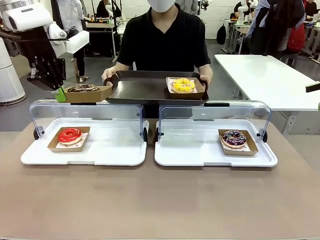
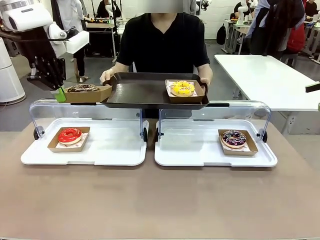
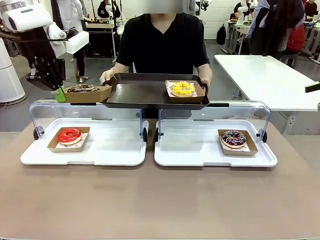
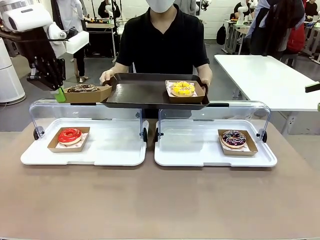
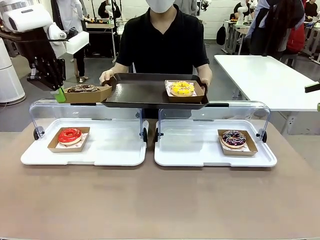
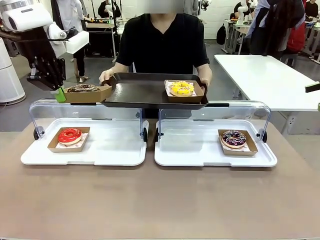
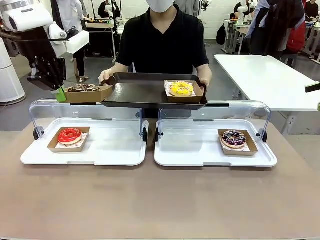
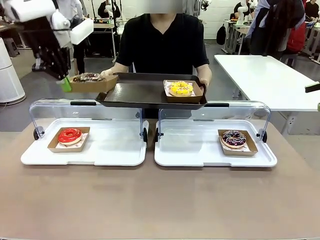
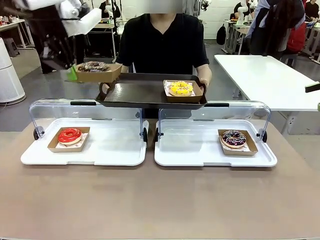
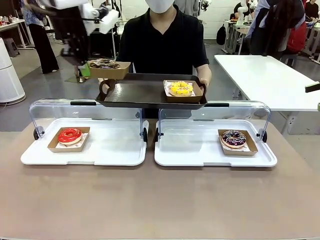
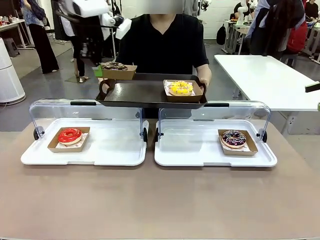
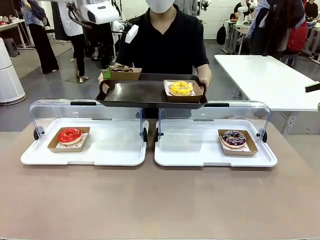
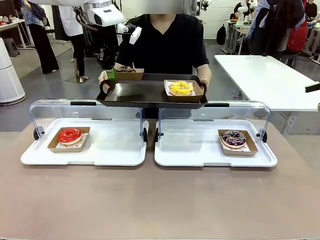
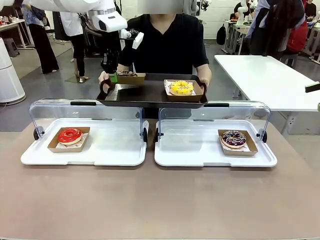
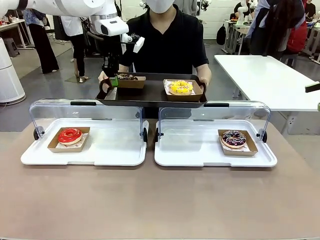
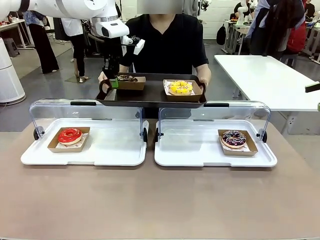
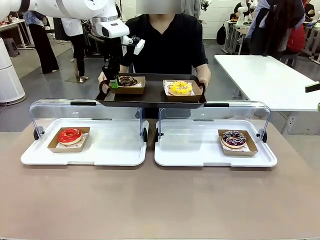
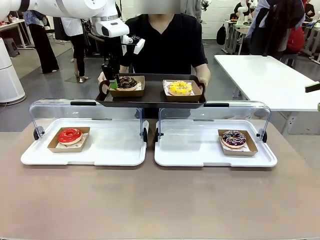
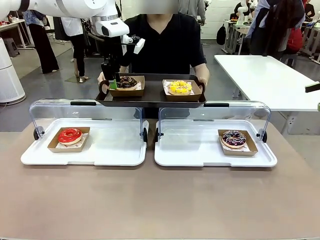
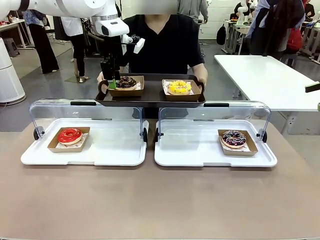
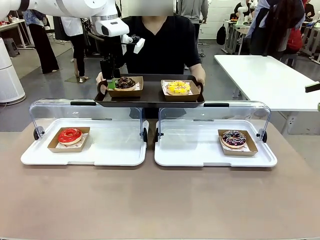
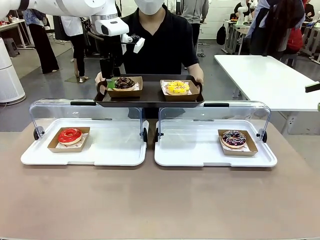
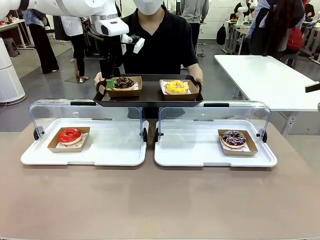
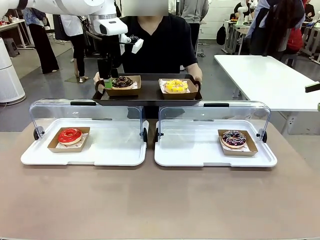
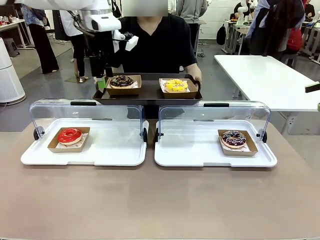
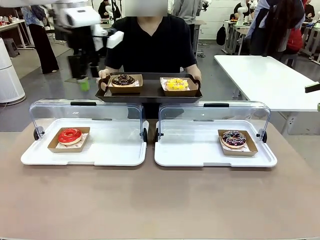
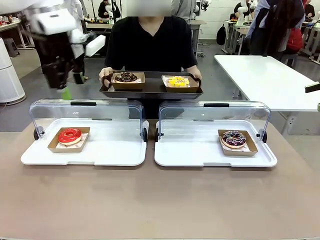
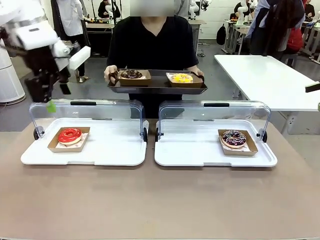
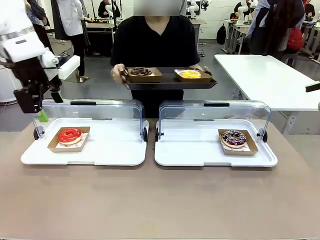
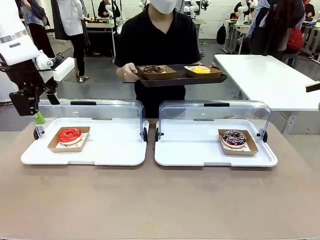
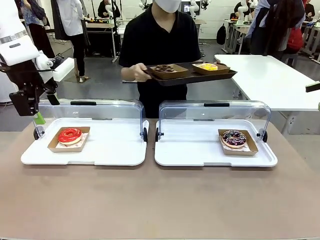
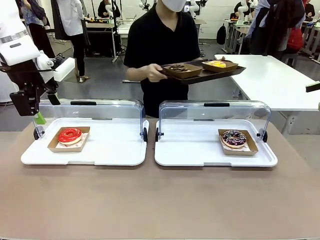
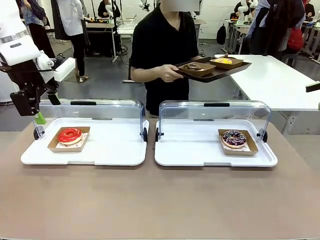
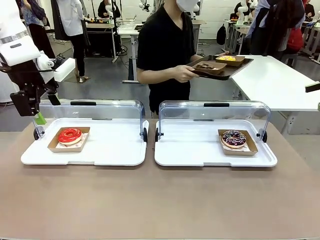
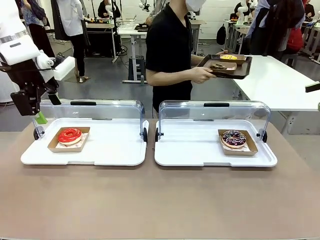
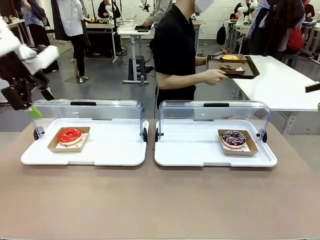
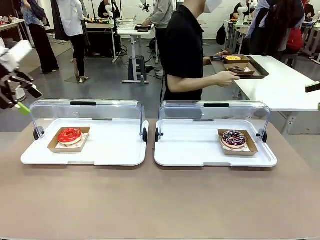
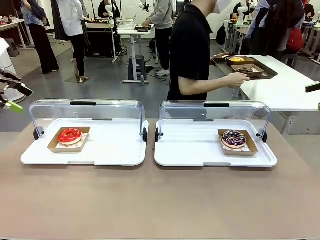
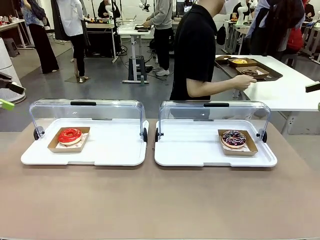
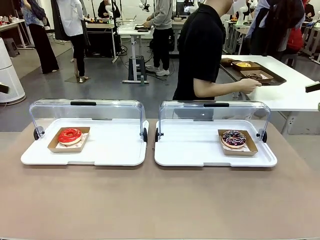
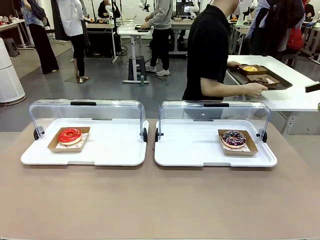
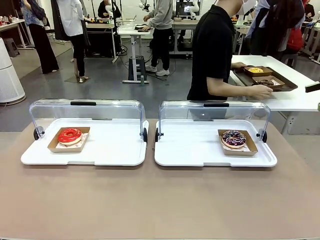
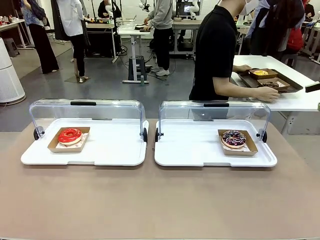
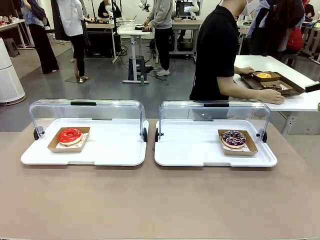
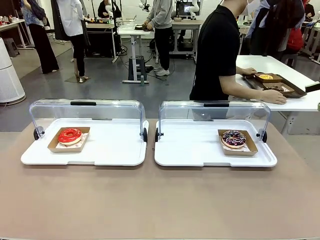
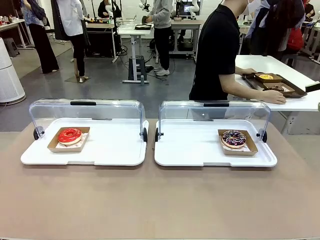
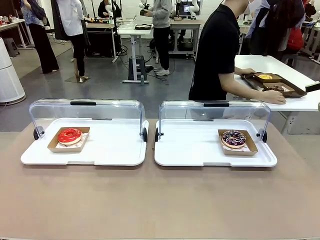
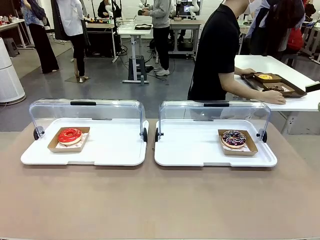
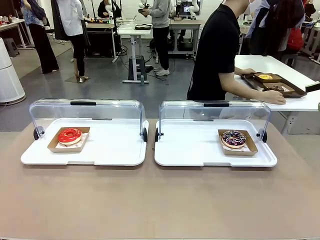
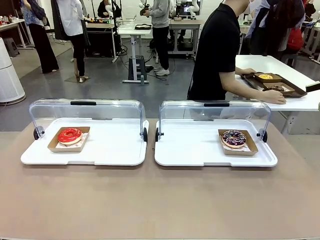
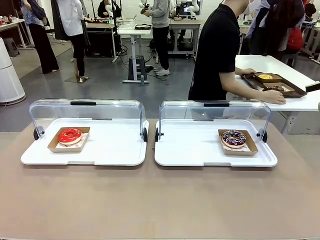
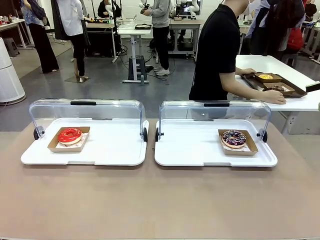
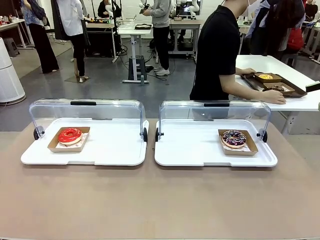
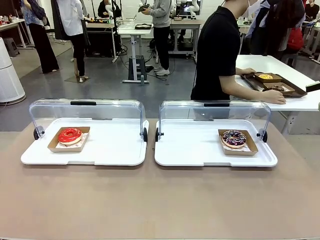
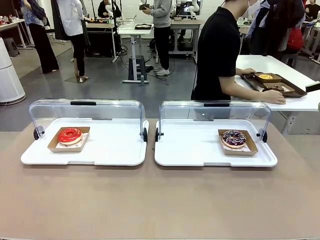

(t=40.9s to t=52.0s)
Task: Provide the desired donut to the person.
Robot: Place the picked Paper togo box onto the Handle tray extended by the person.
Person: Place the tray in the middle of the human table.

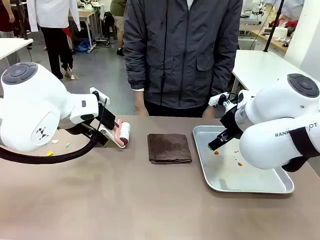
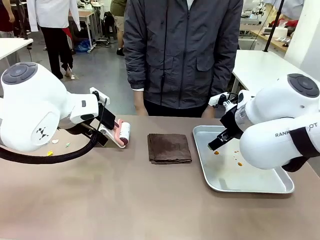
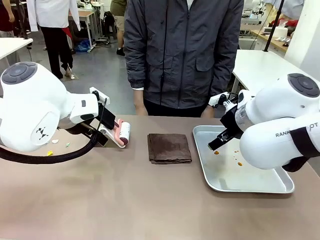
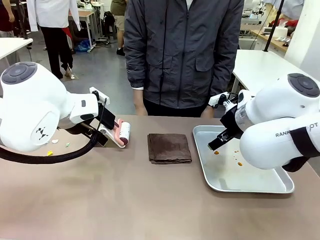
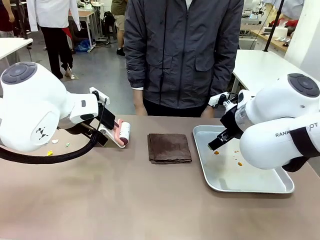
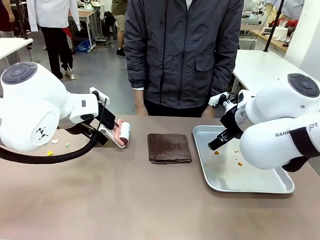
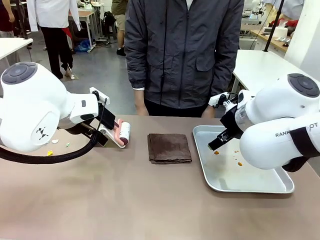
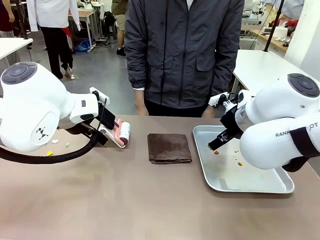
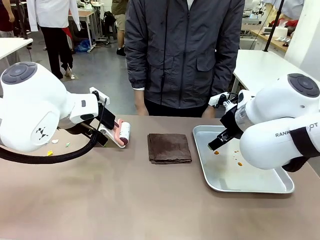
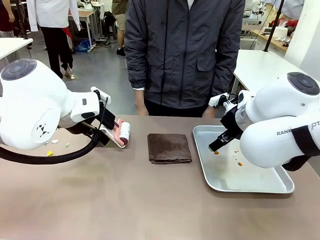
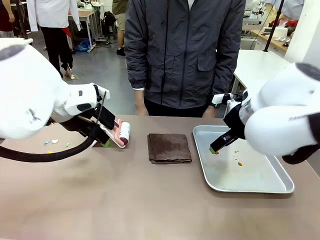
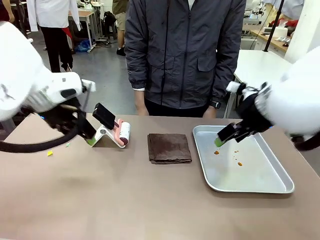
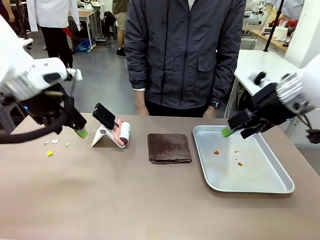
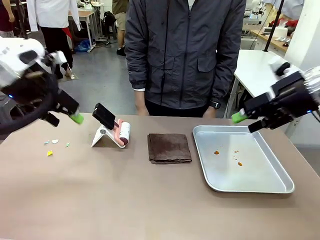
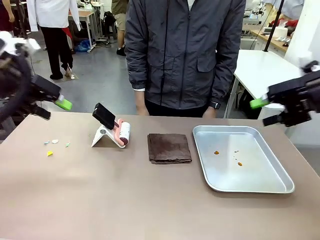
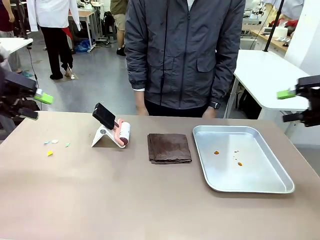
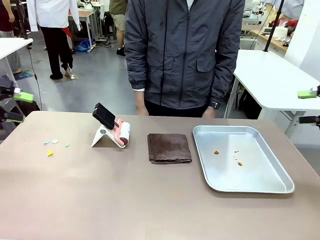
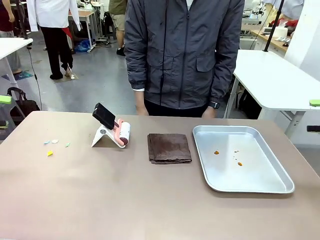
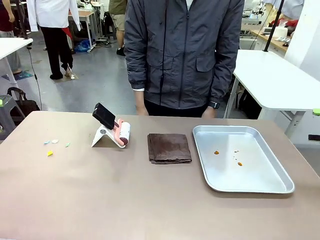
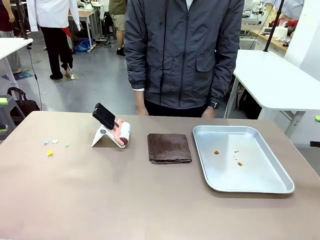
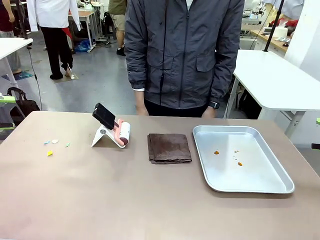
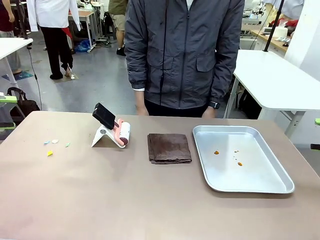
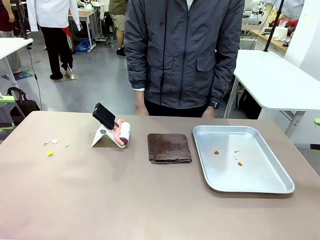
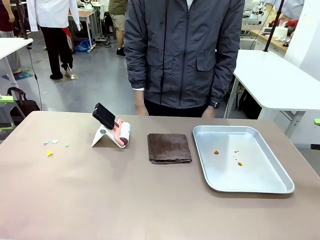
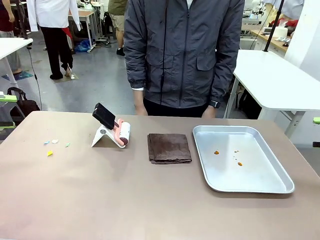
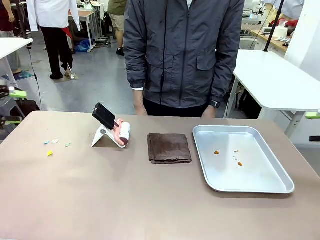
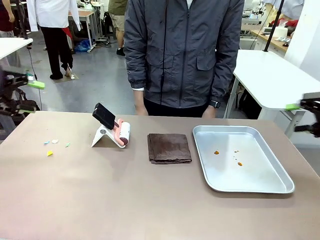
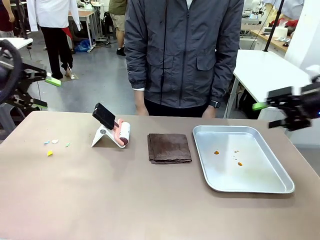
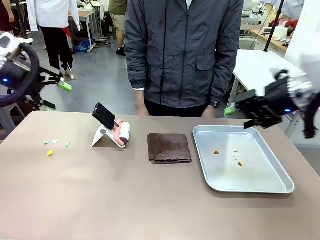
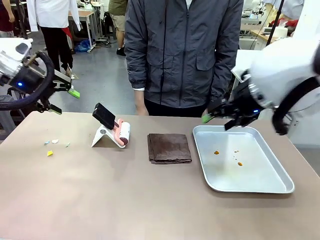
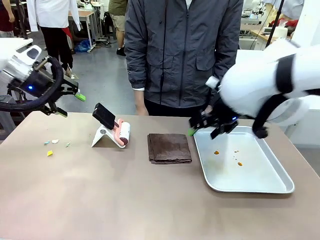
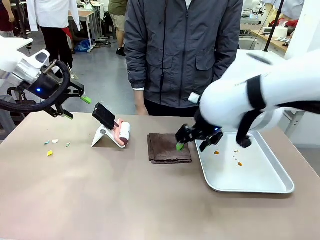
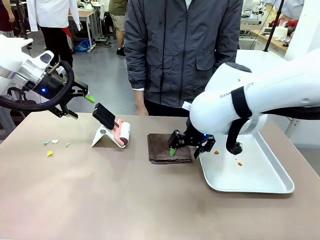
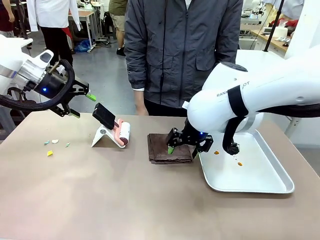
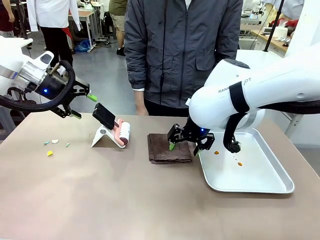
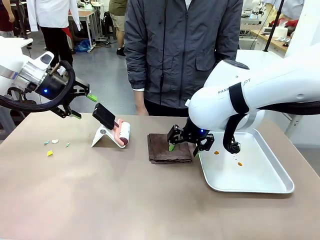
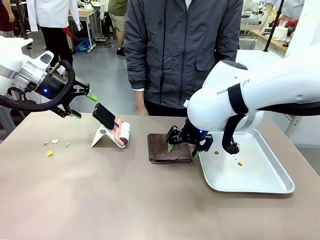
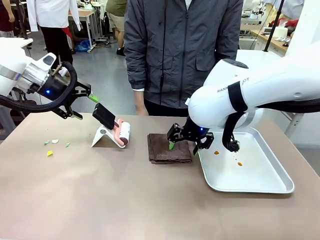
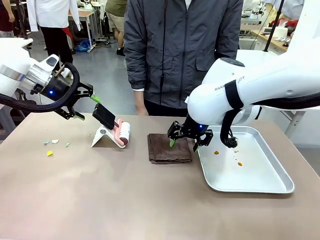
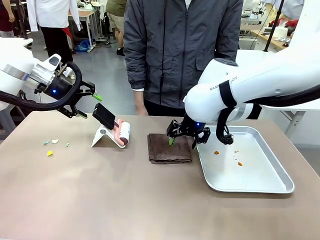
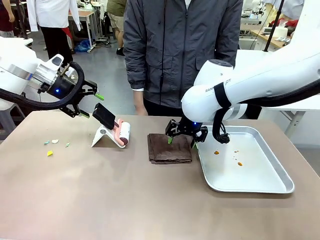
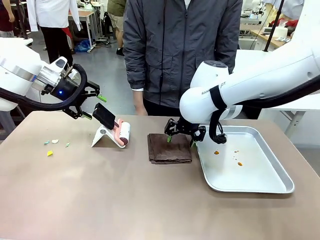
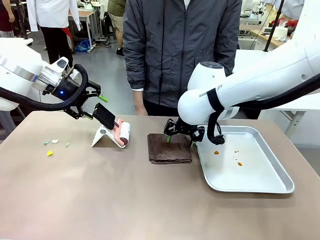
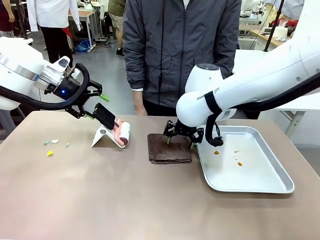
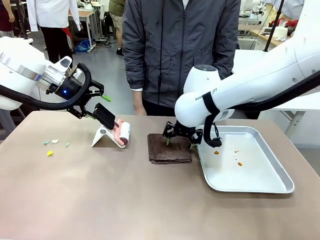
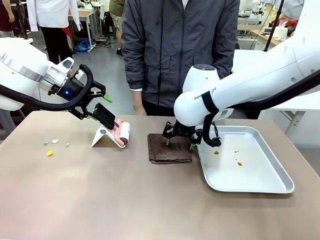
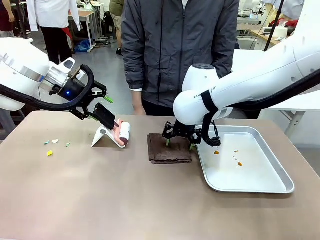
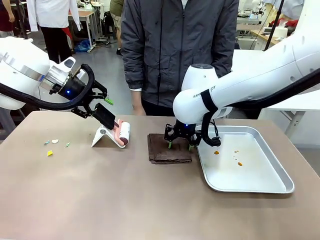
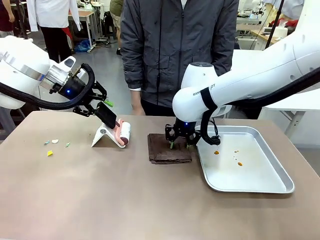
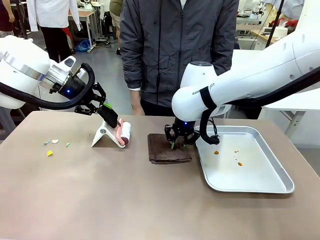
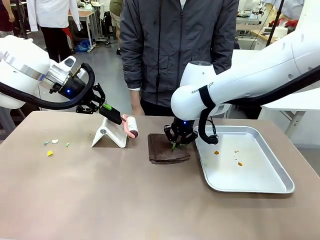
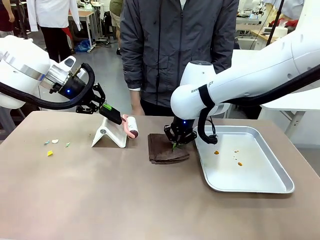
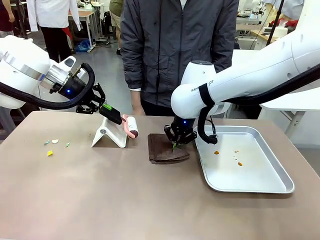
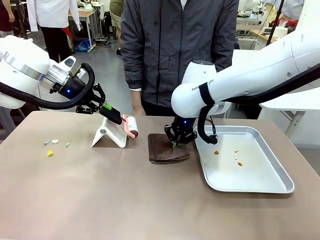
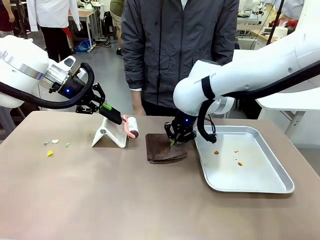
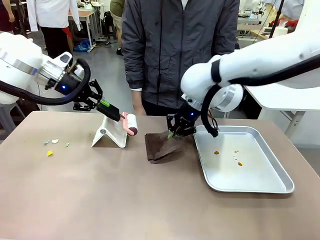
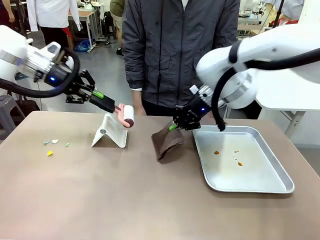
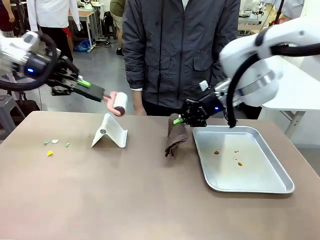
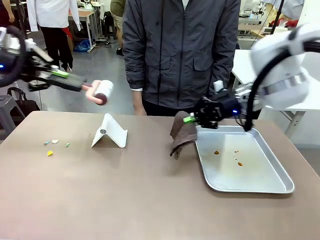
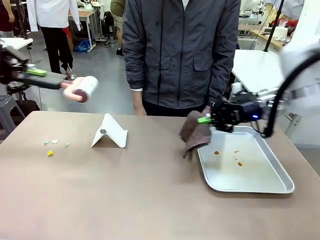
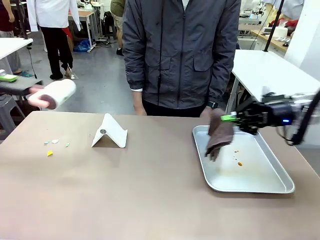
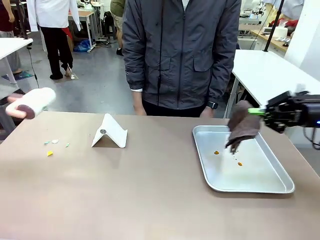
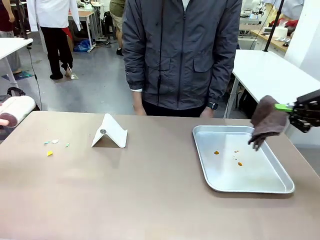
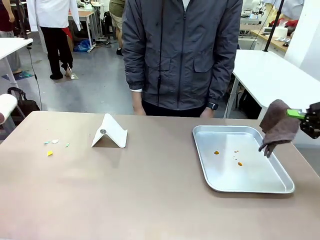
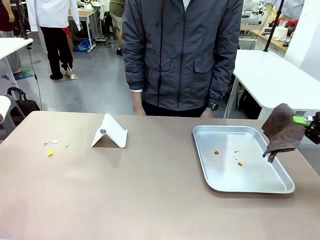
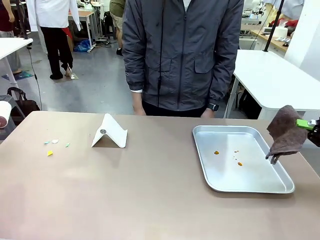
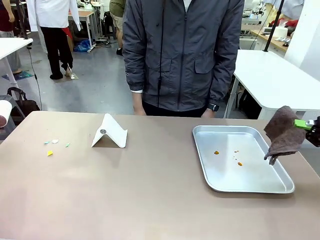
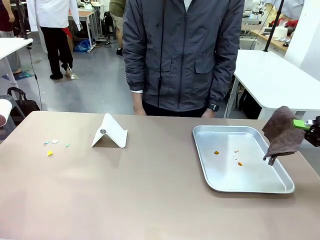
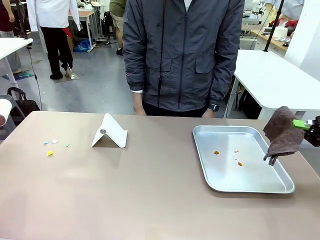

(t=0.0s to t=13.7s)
Task: Clean the surface of the table.
Robot: Hold the Lint Roller with your left hand and the towel with your right hand.
